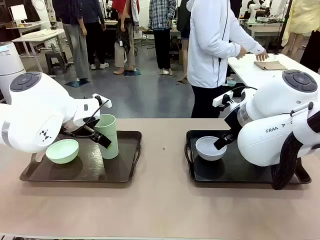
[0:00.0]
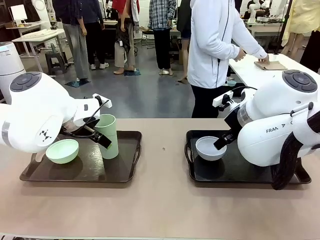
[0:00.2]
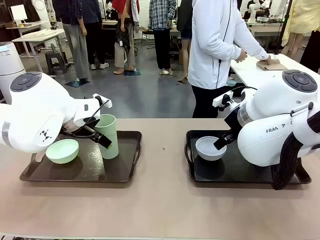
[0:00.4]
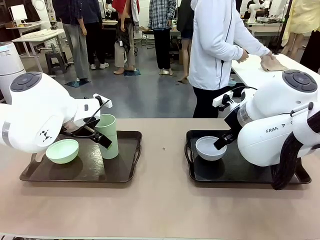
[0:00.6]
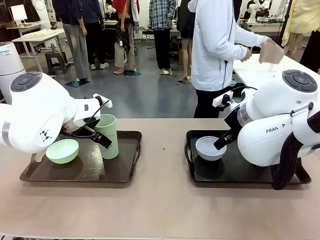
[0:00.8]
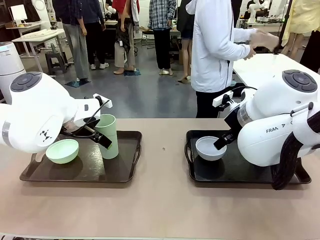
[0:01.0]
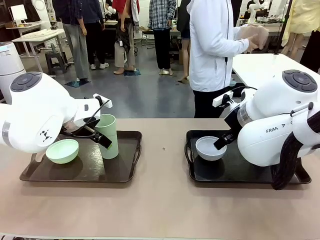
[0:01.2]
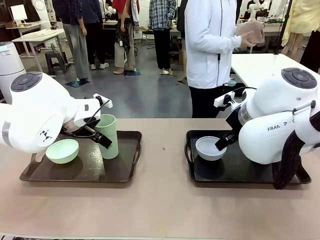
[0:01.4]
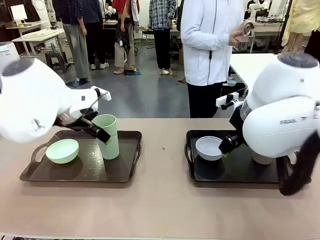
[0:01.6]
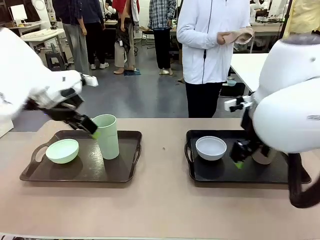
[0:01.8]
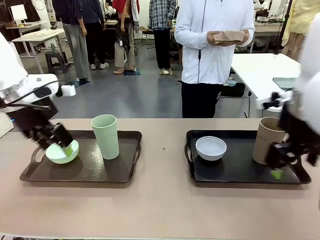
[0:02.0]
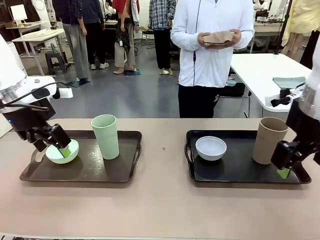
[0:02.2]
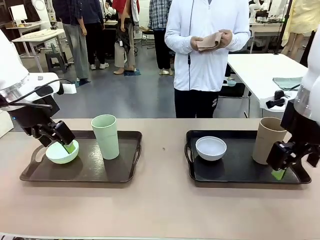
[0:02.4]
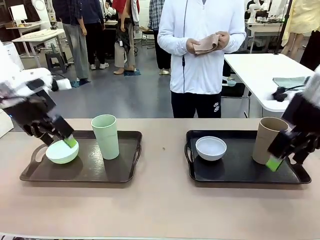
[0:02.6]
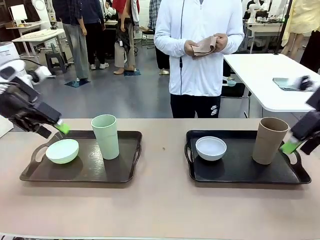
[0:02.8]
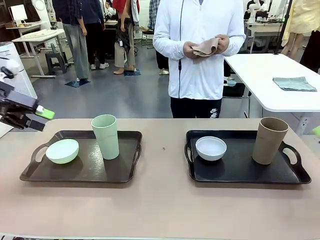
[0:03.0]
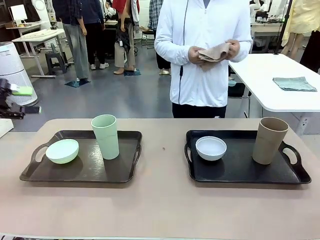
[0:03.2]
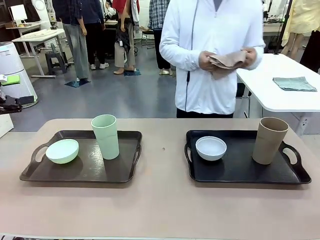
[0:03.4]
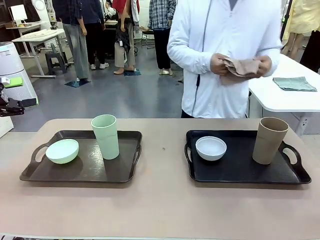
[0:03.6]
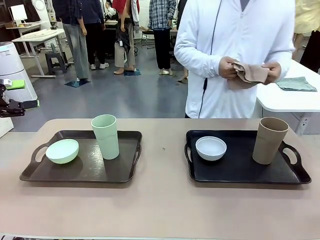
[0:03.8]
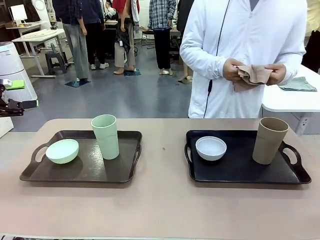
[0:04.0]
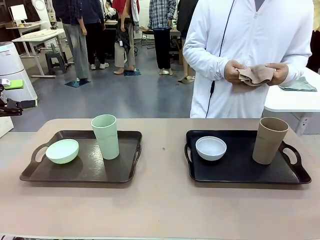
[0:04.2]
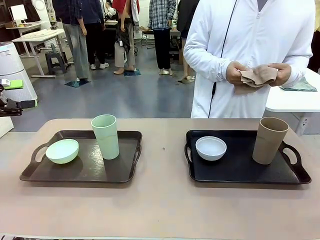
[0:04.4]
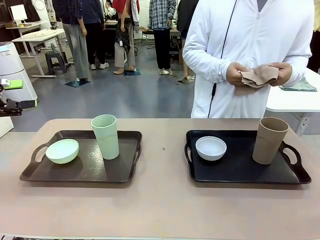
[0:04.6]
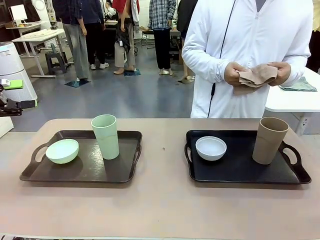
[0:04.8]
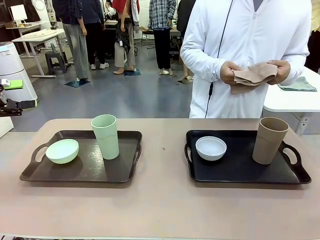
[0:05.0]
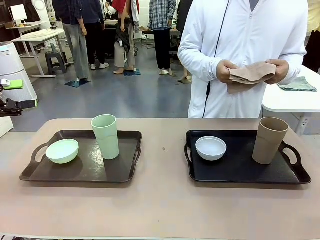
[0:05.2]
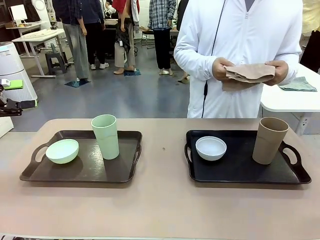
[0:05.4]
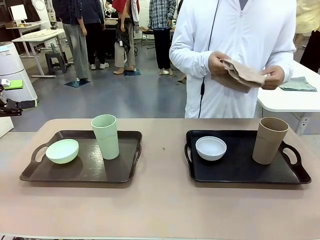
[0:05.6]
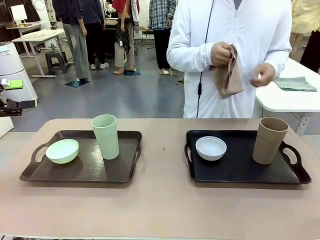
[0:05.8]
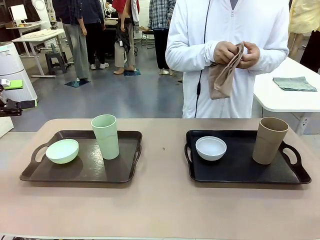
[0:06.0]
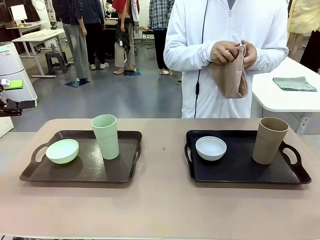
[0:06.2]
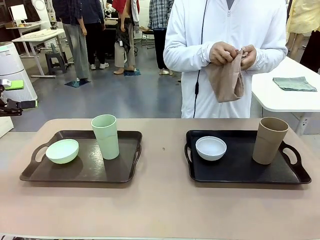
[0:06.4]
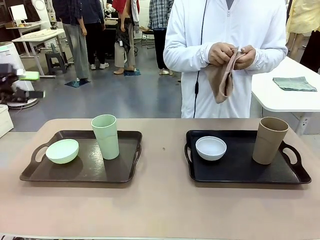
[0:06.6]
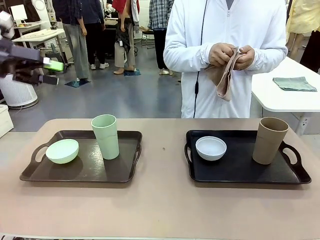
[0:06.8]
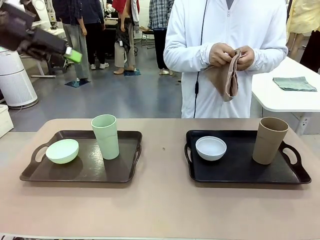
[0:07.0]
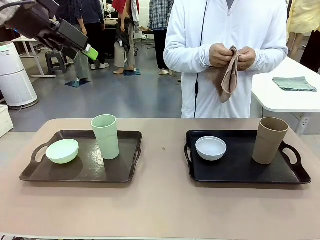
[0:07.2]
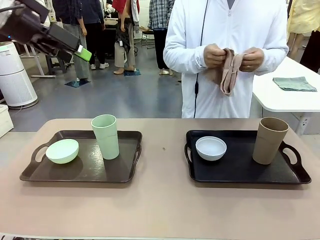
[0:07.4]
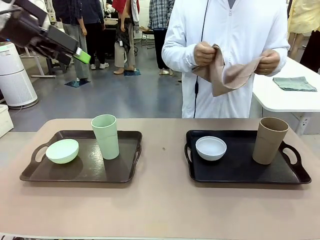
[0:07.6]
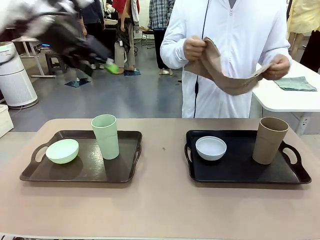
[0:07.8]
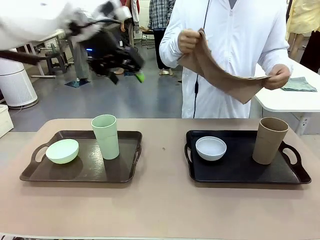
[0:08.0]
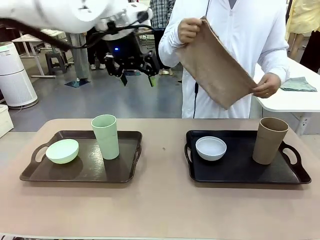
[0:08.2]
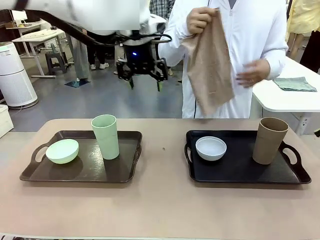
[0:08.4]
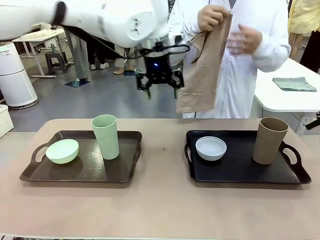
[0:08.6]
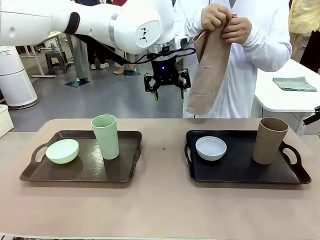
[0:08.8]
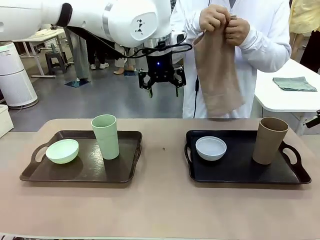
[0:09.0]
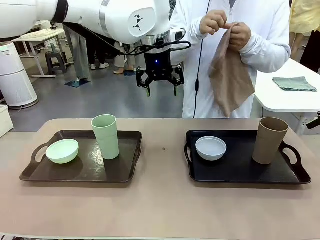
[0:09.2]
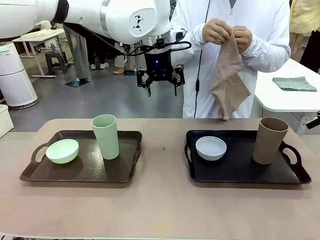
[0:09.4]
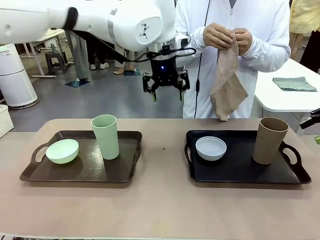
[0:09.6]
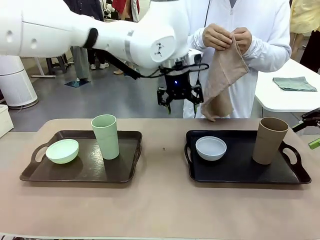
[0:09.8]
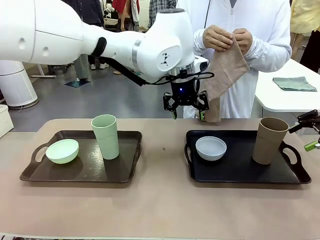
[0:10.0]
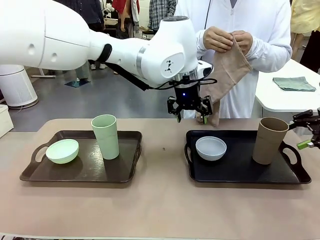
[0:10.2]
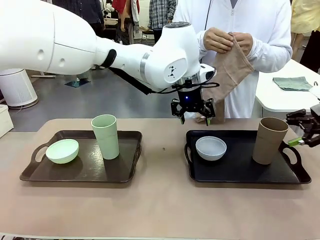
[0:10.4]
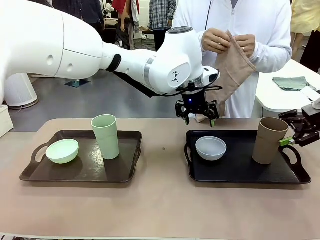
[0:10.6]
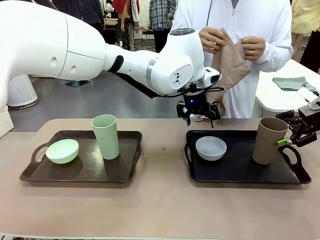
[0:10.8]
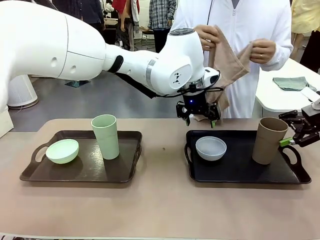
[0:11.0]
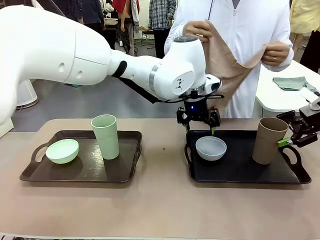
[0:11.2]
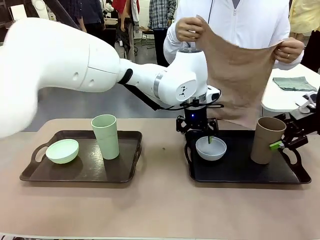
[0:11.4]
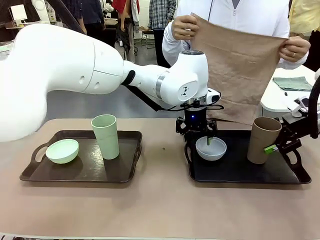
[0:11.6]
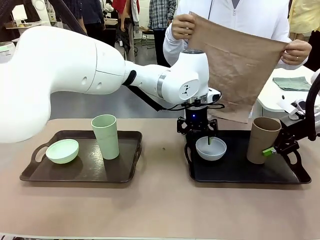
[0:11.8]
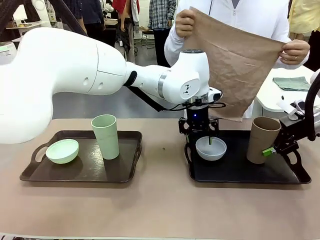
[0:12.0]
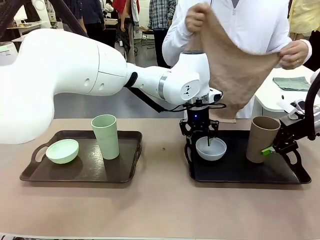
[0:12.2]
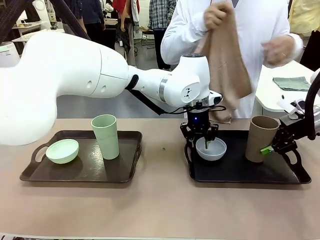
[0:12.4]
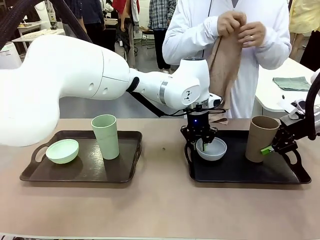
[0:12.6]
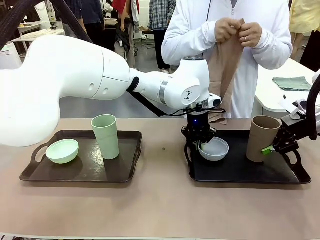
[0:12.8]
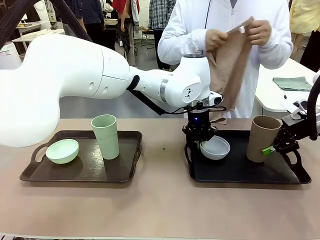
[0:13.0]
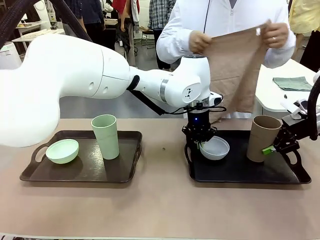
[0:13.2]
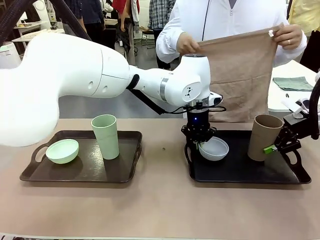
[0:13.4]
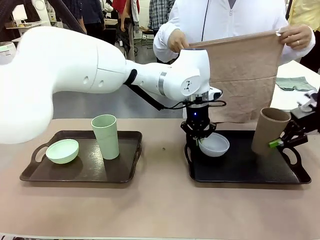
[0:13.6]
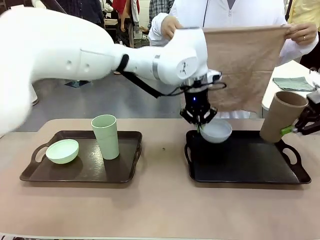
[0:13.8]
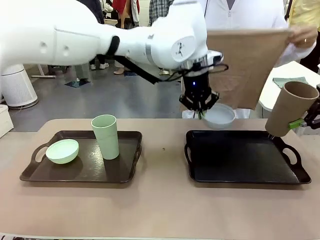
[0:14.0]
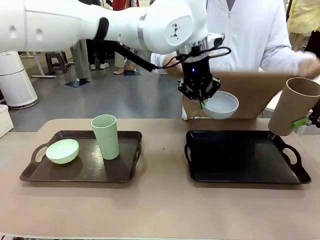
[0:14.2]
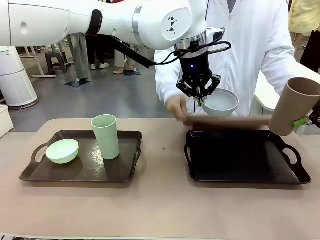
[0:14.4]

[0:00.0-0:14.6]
Robot: Pick up the Picnic Bowl and Reusable plastic cup from the Handle tray in front of the human's position and hold them in the air.
Person: The human picks up the top napkin from the stack on the human table and walks to the robot table to stand in front of one of the two trays. When the robot lifts the bowl and the cup, the human unfolds the napkin and lays the napkin flat on the tray.

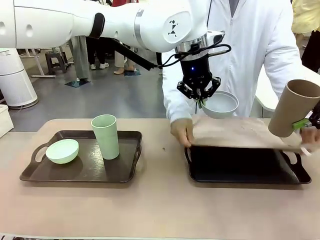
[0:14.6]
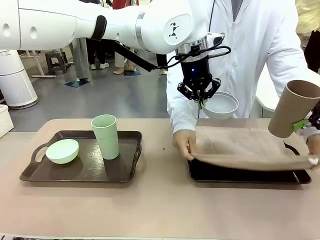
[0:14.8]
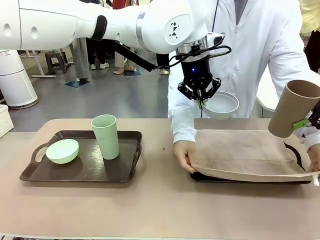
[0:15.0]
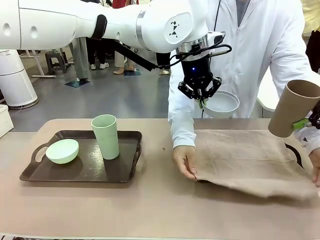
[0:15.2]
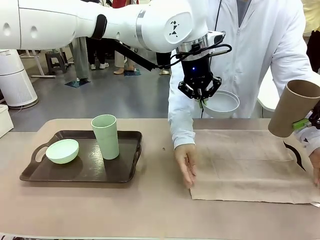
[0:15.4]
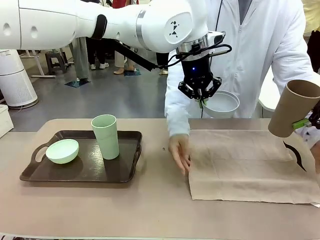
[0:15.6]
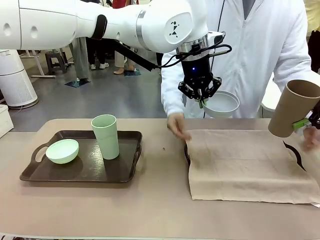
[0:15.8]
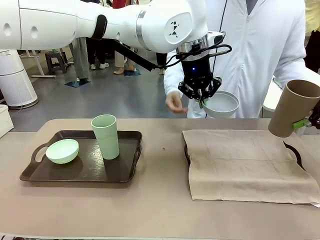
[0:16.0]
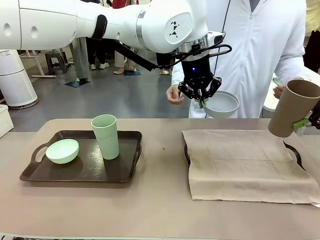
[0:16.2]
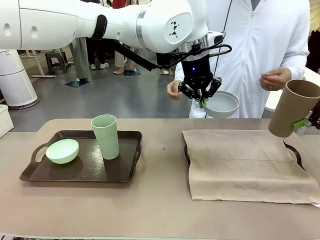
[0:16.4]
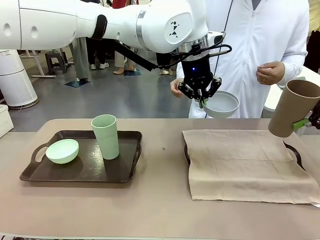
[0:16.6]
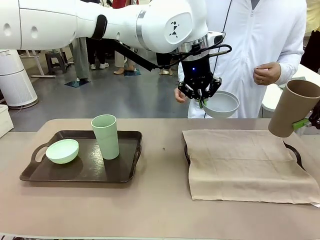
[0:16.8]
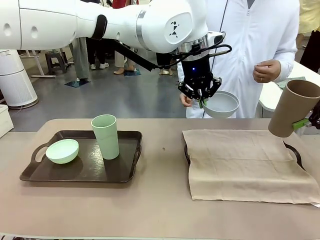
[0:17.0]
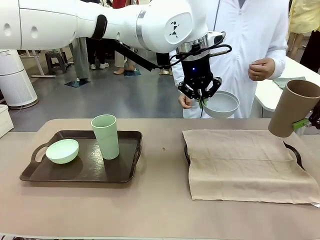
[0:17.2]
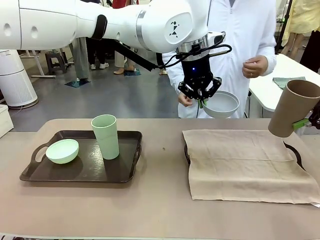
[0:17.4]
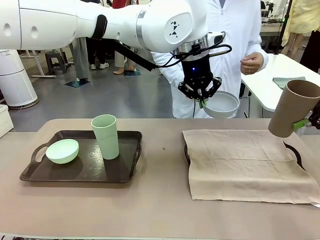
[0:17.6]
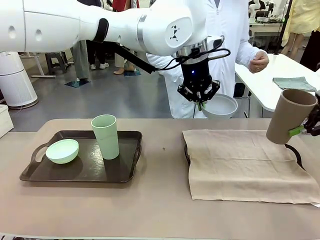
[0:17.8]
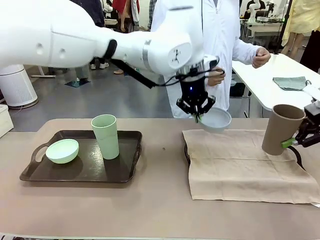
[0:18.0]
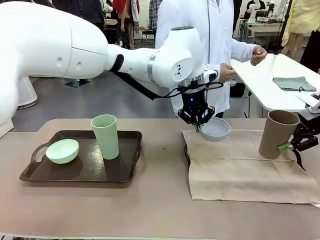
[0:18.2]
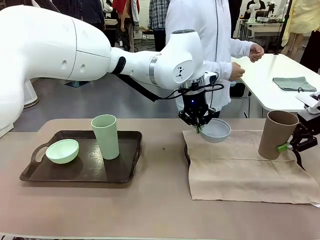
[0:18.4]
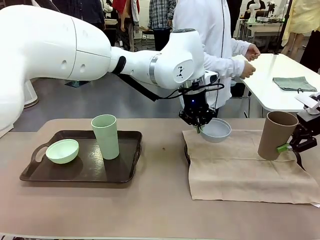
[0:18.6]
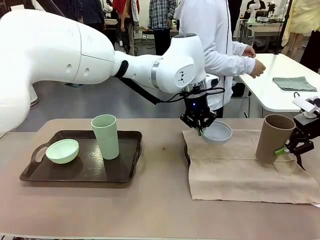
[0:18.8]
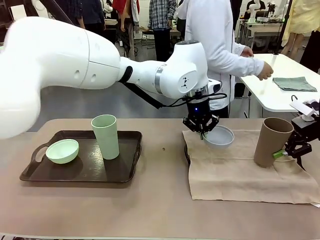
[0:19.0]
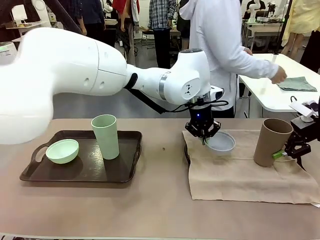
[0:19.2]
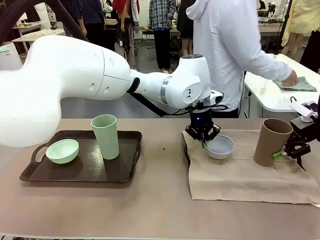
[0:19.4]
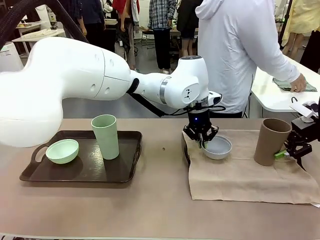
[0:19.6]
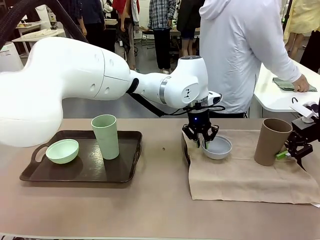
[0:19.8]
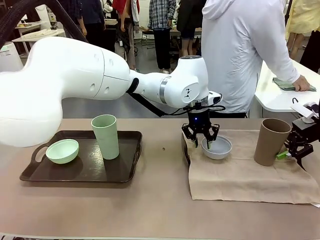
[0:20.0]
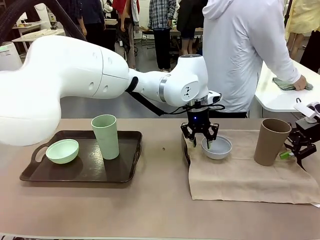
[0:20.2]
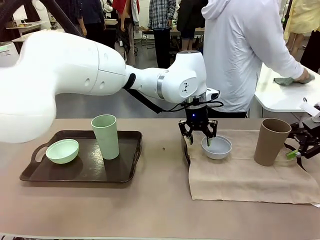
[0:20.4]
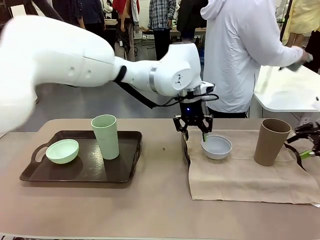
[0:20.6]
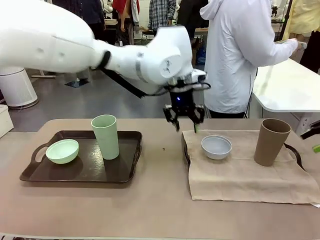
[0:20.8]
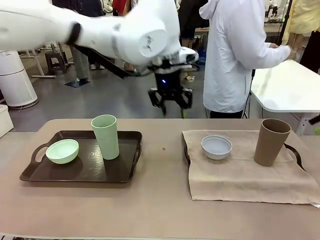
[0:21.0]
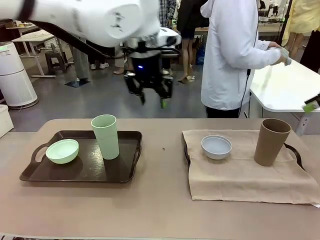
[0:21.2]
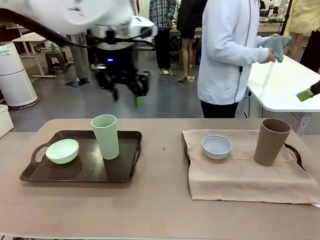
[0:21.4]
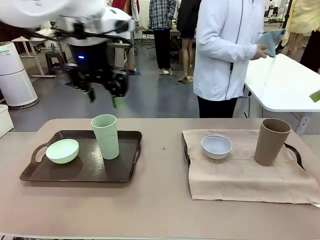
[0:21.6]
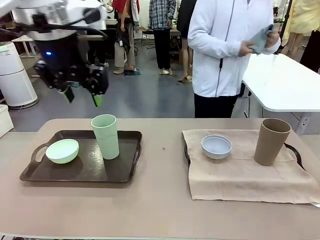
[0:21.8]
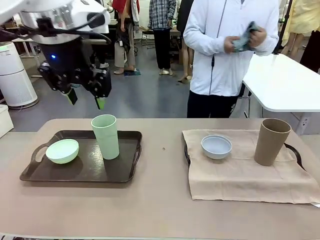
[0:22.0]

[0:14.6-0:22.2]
Robot: Place the Picnic Bowl and Reusable plastic cup back onto the Handle tray in front of the human's position.
Person: The human returns to the human table to pick up another napkin and walks to the robot table to stand in front of the tray without a napkin.
